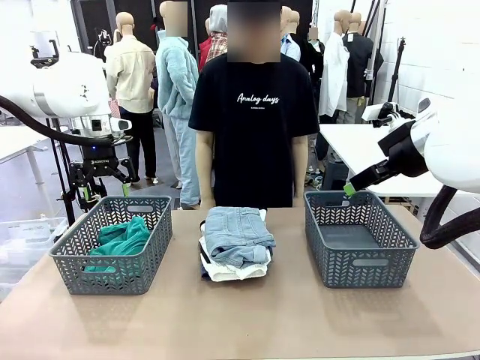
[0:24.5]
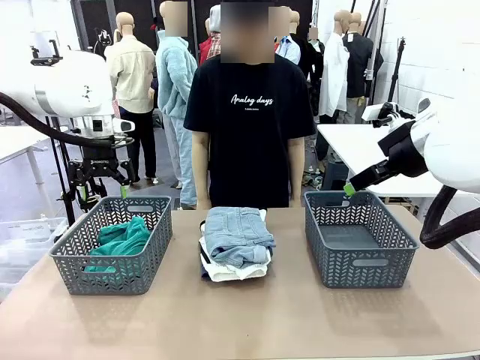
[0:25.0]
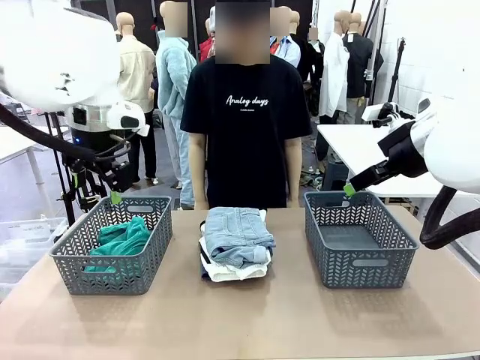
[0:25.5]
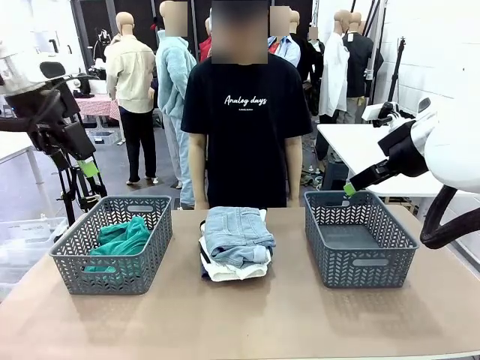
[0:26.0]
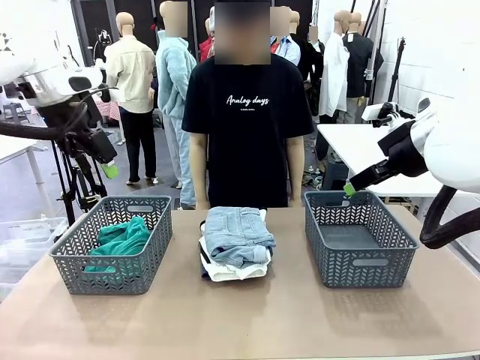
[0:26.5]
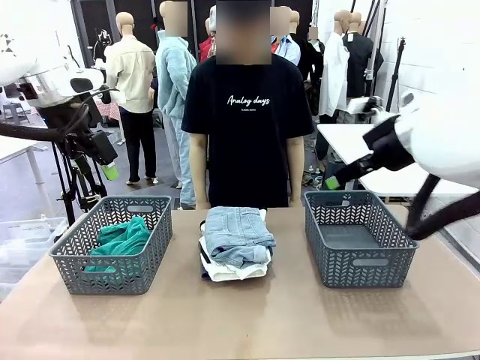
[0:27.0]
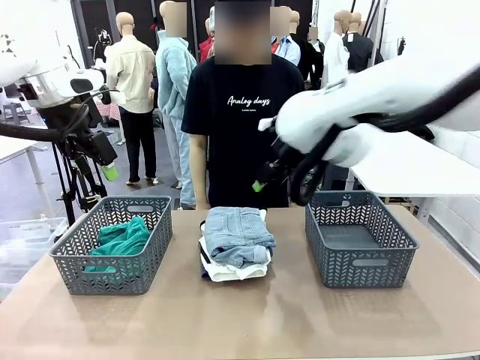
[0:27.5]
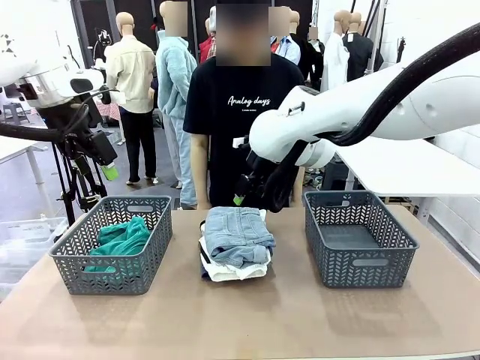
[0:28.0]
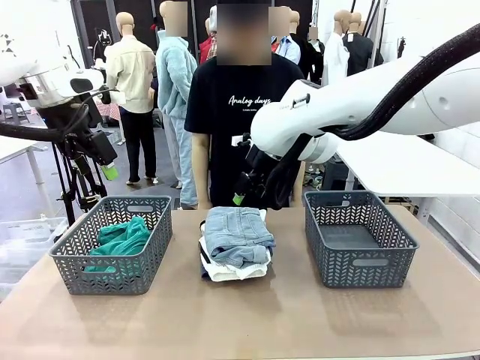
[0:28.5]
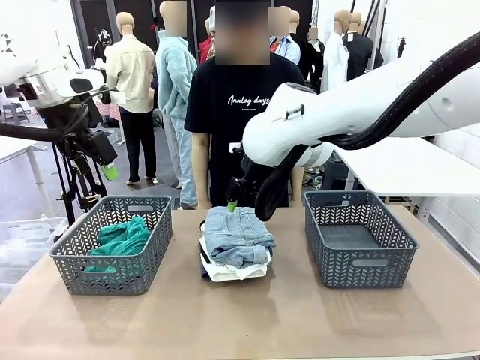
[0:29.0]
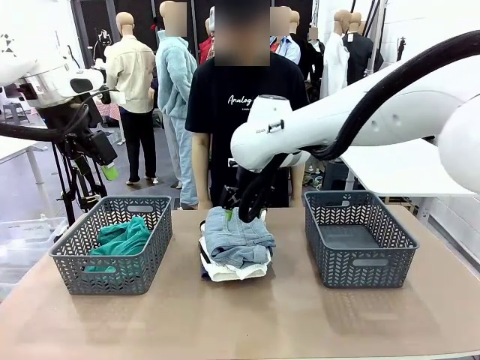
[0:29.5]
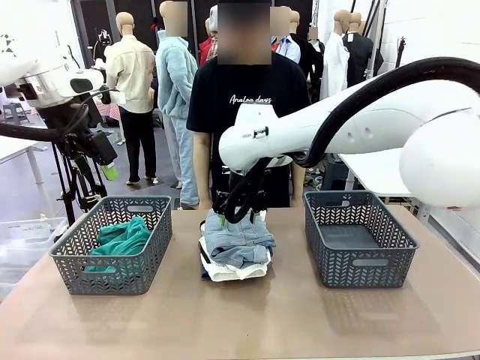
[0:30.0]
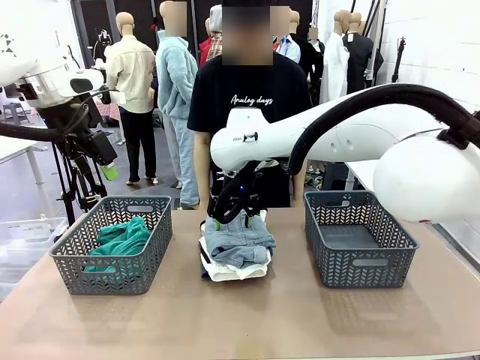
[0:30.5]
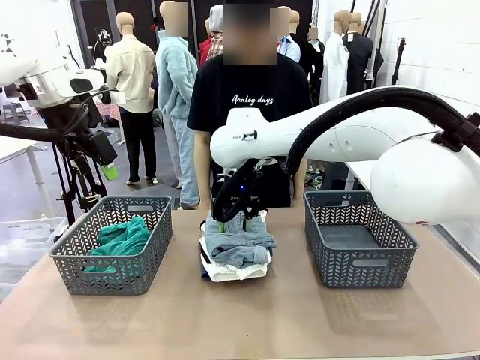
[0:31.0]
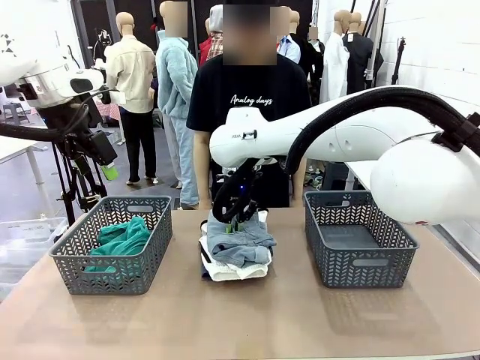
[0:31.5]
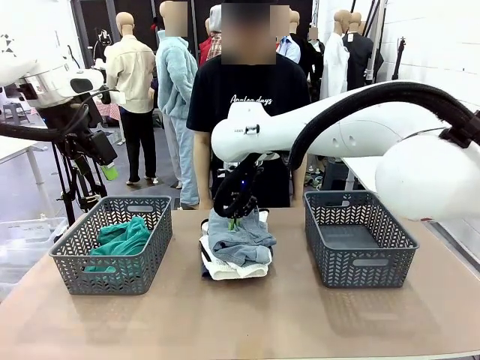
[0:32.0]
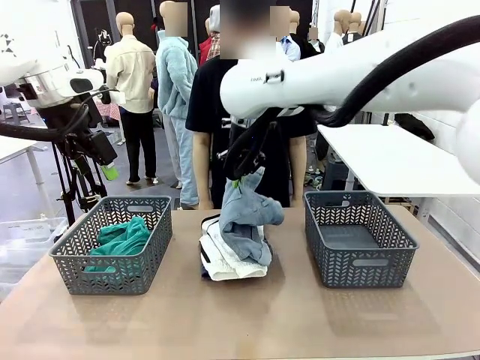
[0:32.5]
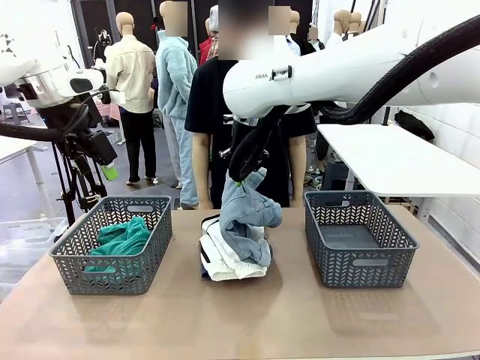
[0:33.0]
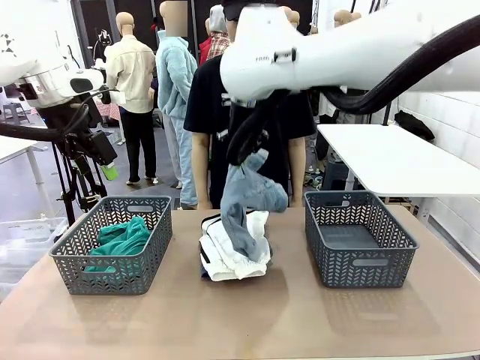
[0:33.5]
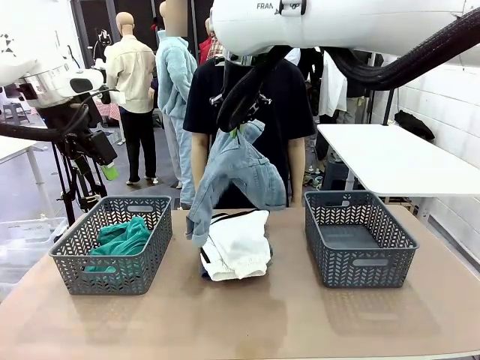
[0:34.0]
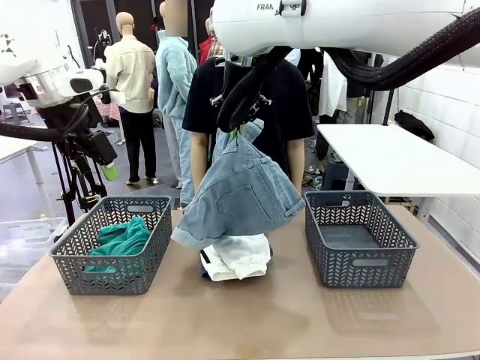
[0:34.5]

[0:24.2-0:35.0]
Task: Sort the tops and bottoms.
Robot: Lift clothes from the center of the table with your right hand.

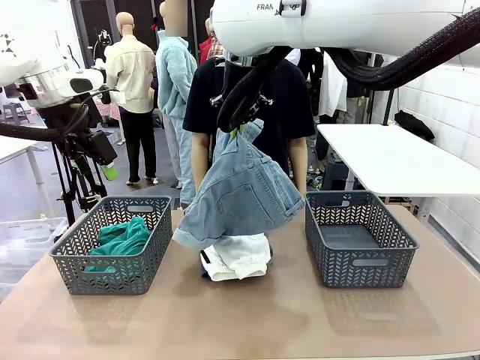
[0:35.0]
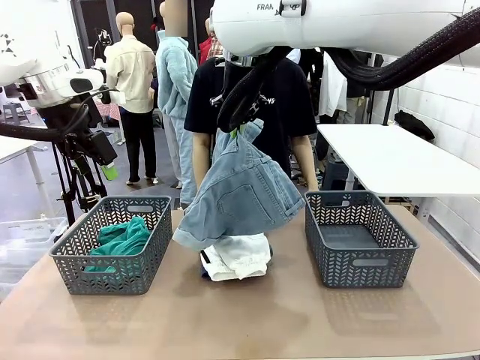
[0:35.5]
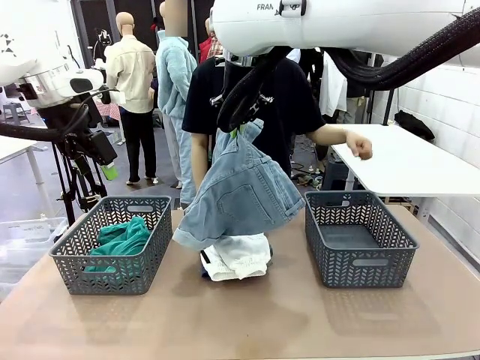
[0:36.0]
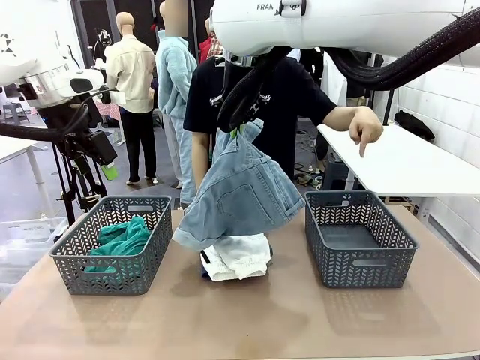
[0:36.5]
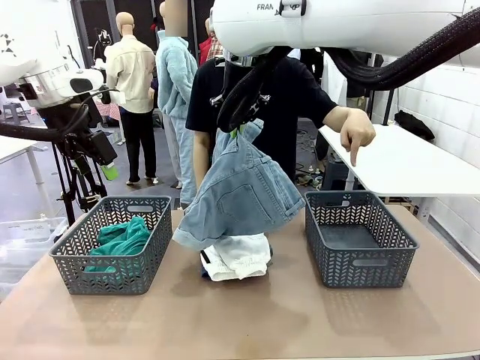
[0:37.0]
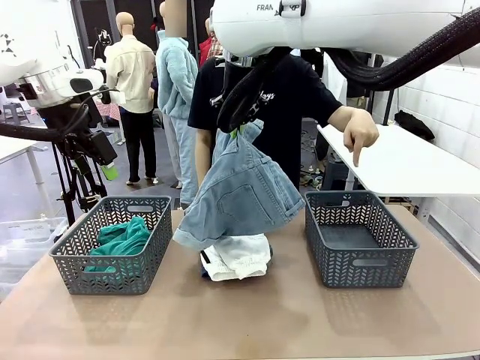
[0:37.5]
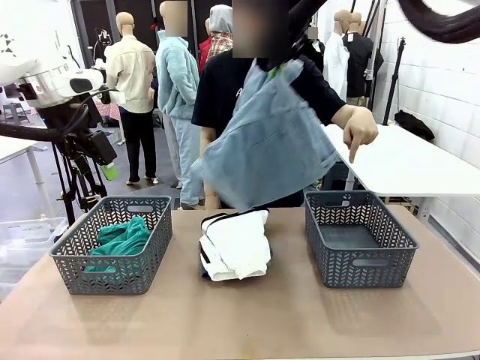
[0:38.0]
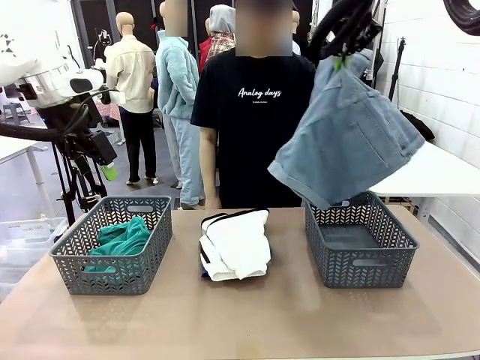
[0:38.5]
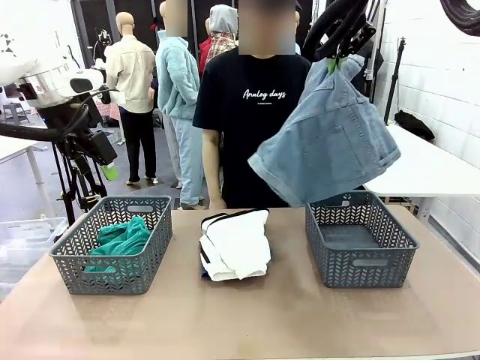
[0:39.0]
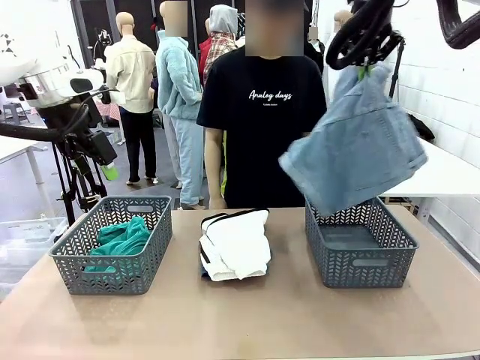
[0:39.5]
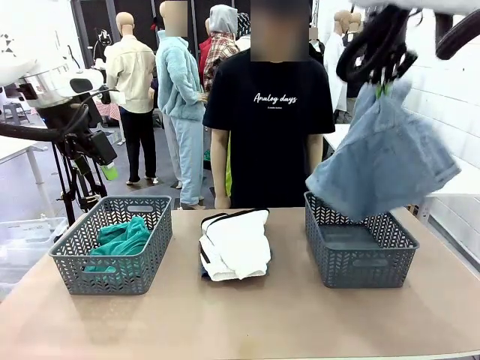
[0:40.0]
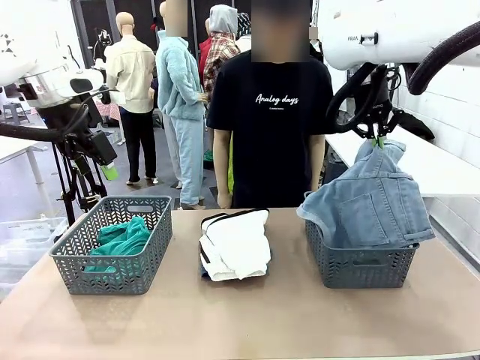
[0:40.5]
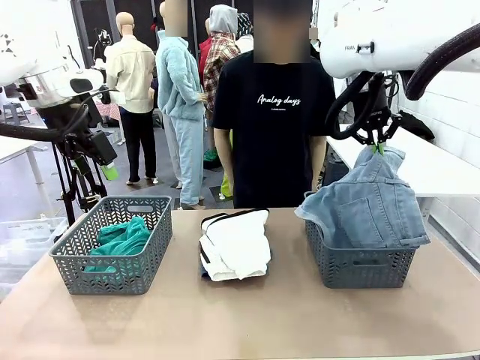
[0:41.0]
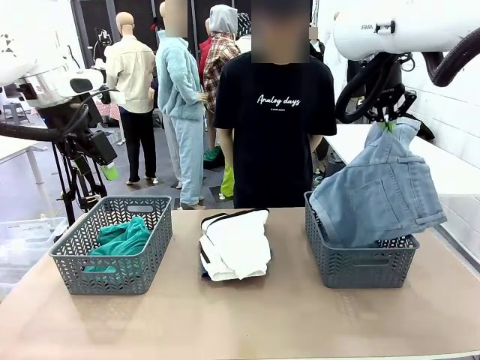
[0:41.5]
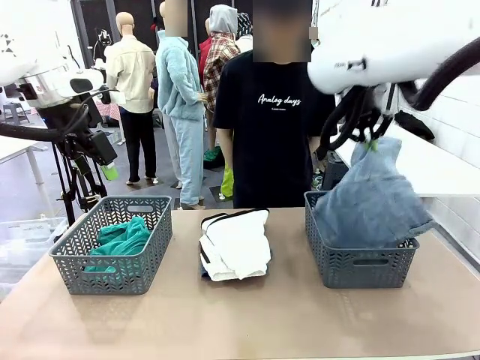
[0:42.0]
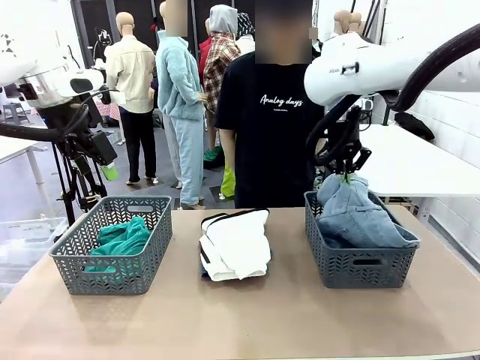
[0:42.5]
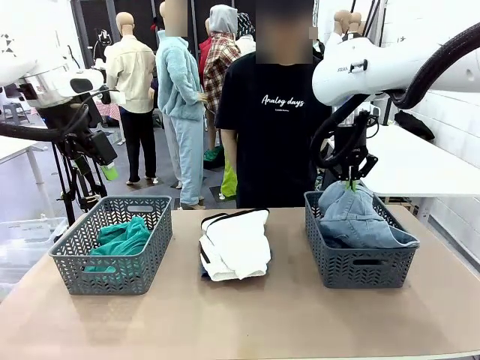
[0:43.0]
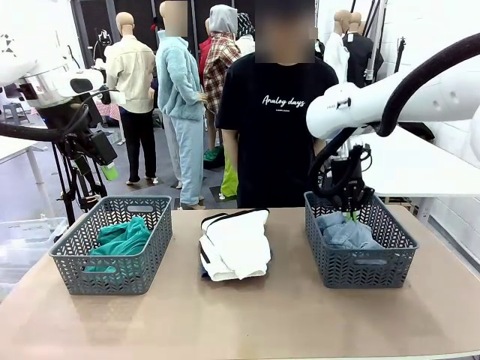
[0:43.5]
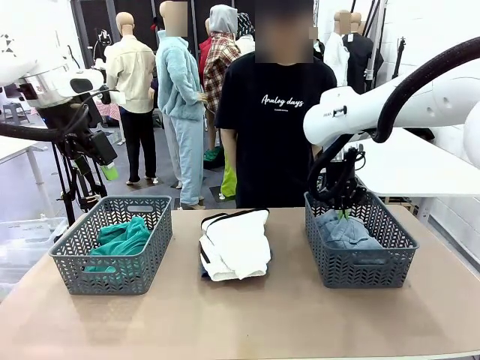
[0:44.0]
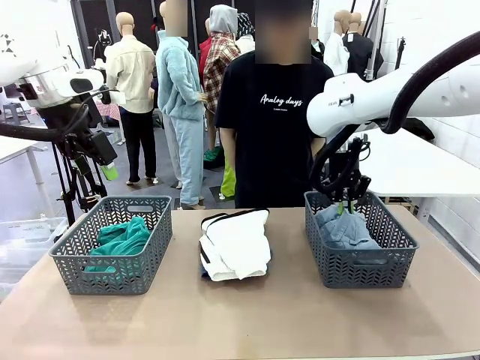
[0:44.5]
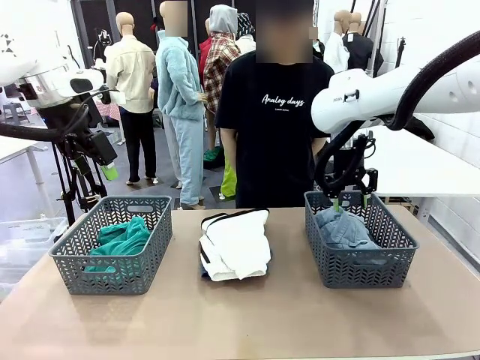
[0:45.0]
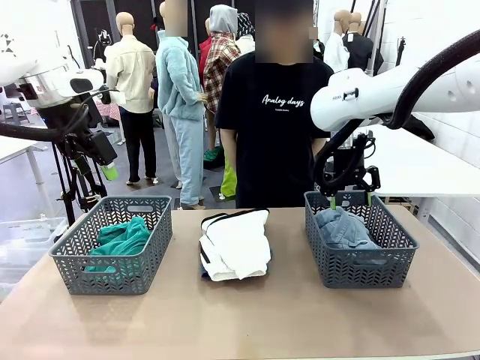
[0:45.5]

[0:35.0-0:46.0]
Robot: Sort the clothes according to human instructions.
